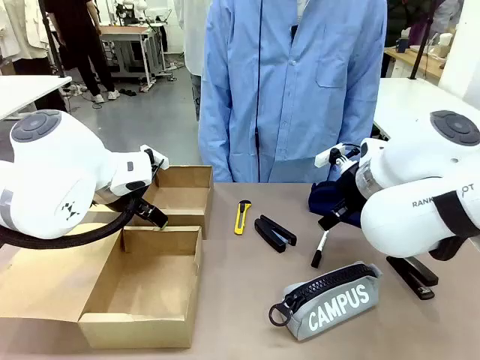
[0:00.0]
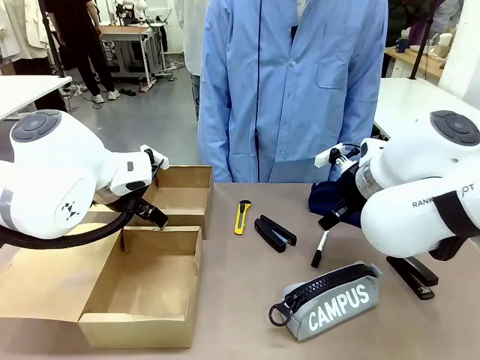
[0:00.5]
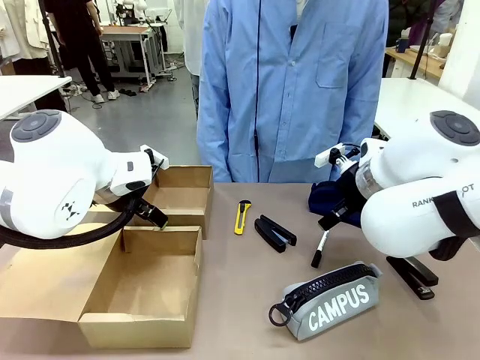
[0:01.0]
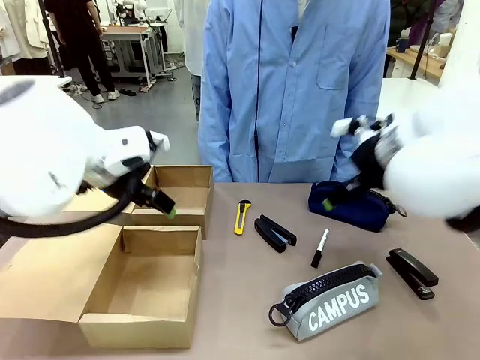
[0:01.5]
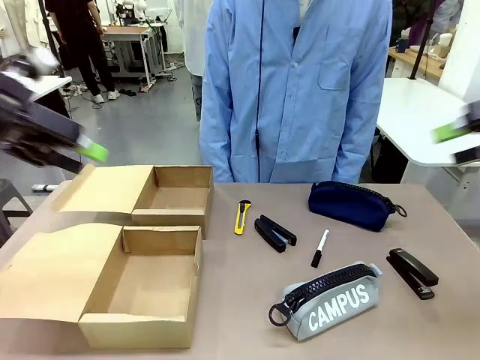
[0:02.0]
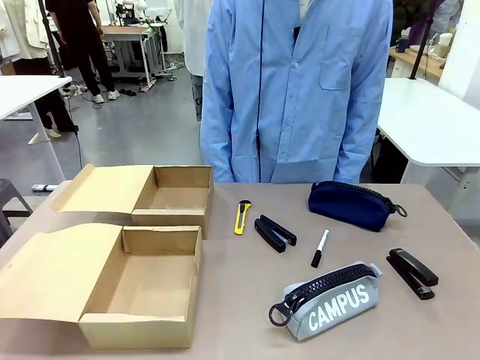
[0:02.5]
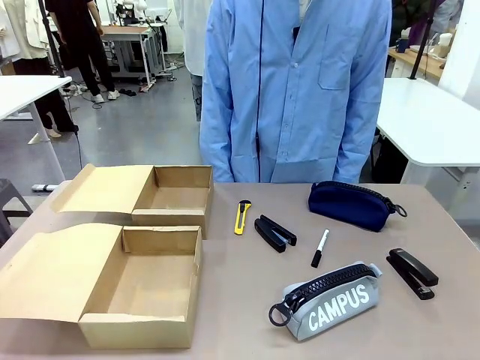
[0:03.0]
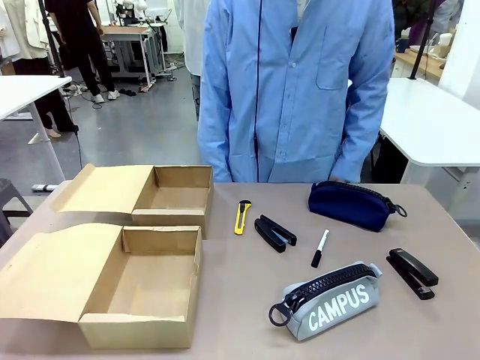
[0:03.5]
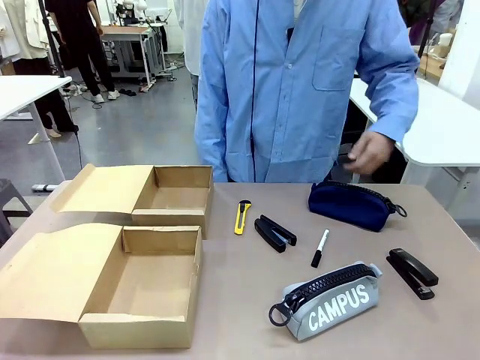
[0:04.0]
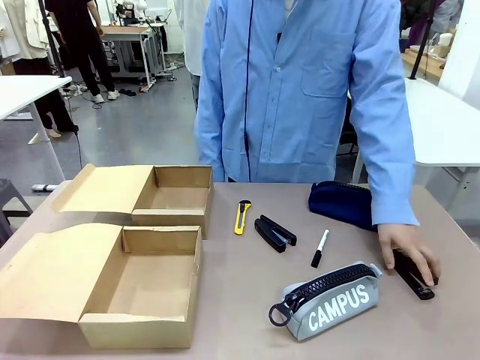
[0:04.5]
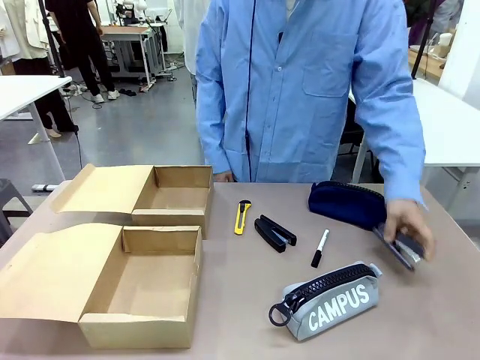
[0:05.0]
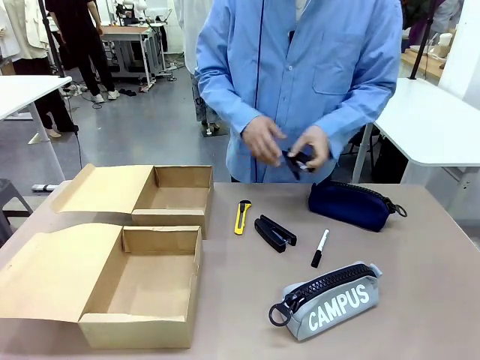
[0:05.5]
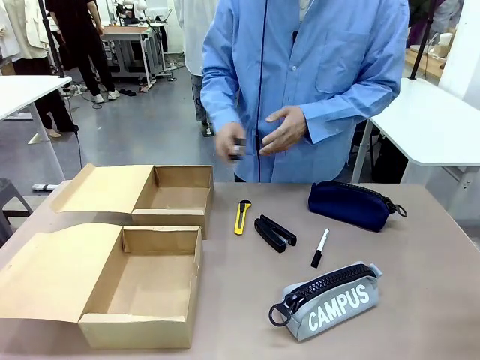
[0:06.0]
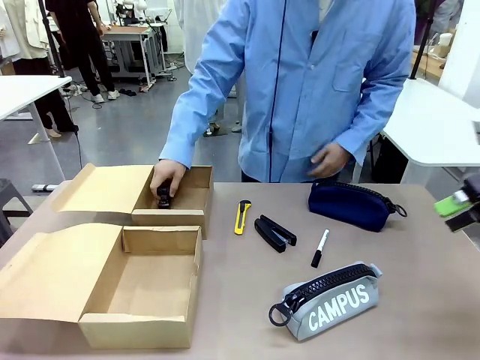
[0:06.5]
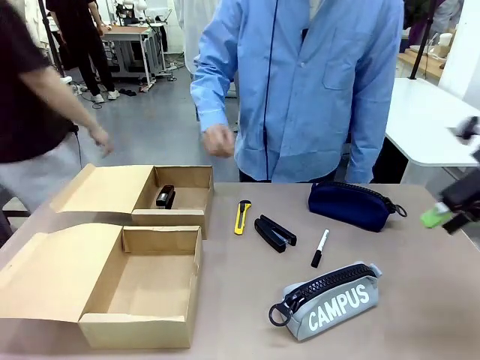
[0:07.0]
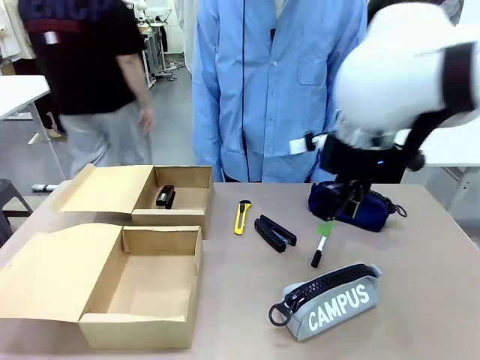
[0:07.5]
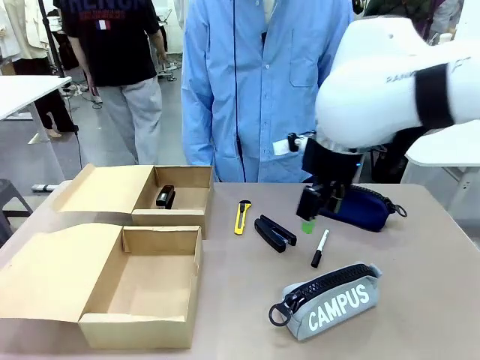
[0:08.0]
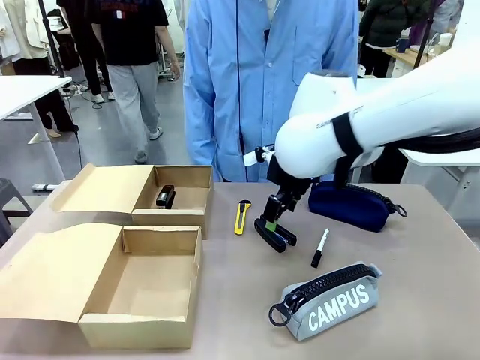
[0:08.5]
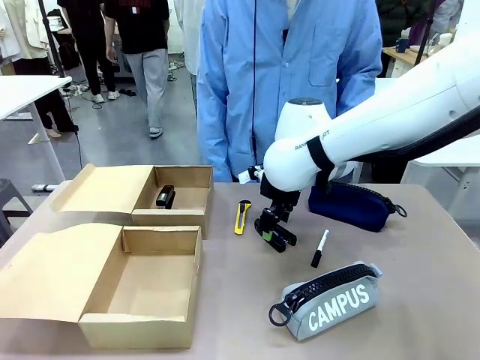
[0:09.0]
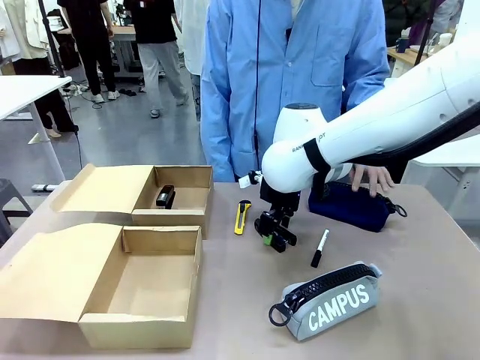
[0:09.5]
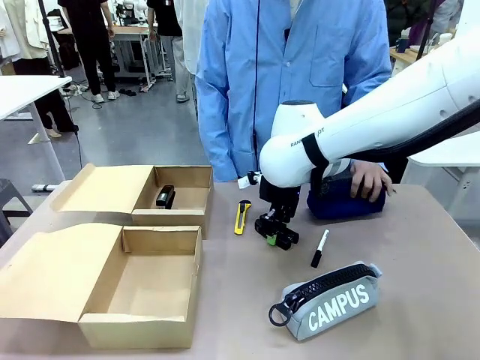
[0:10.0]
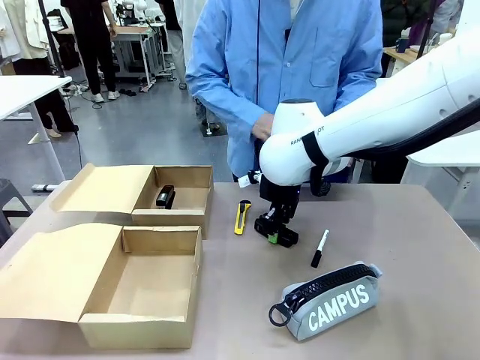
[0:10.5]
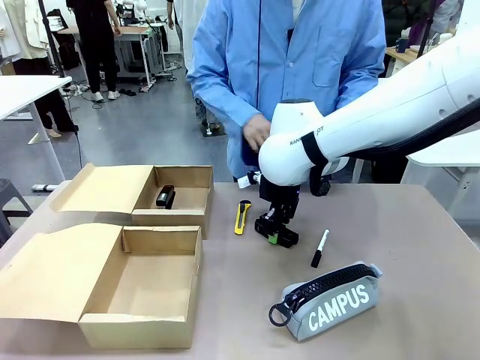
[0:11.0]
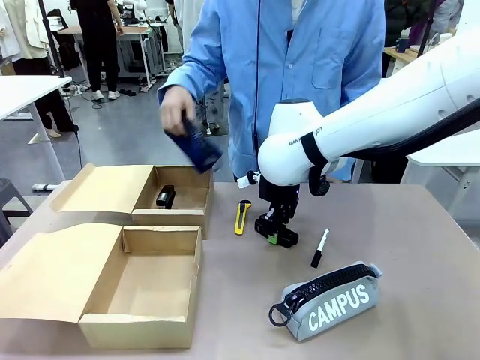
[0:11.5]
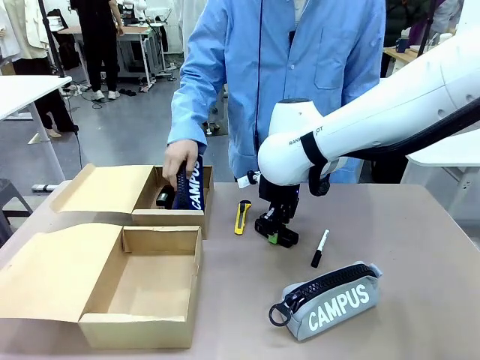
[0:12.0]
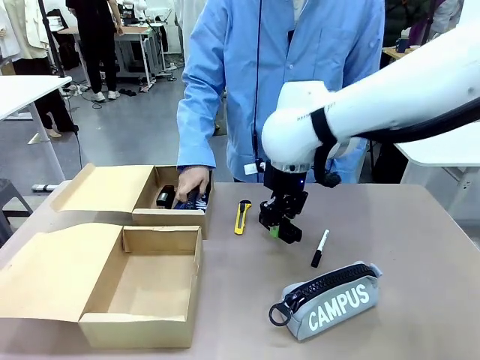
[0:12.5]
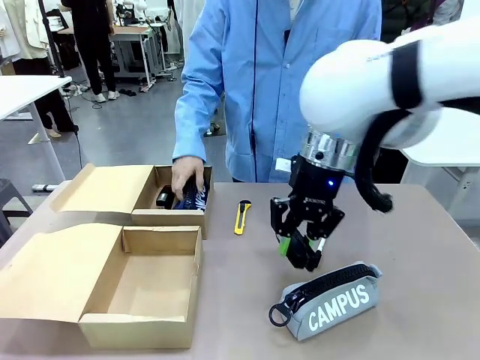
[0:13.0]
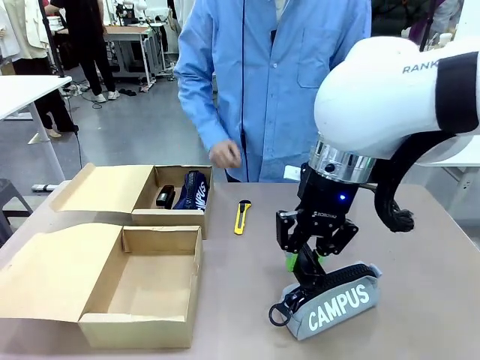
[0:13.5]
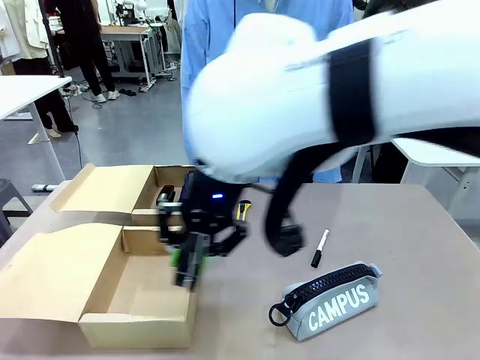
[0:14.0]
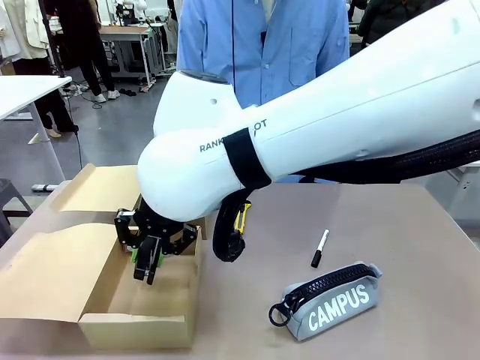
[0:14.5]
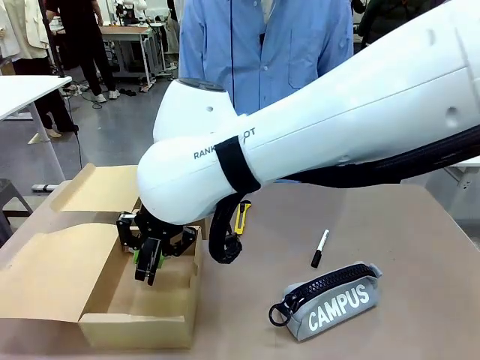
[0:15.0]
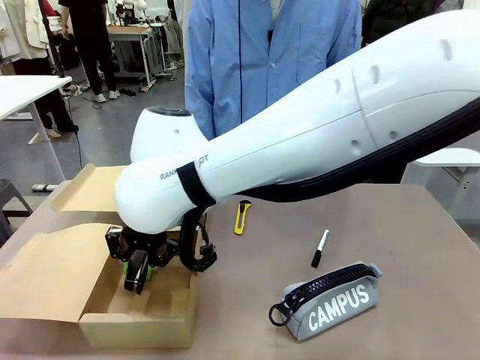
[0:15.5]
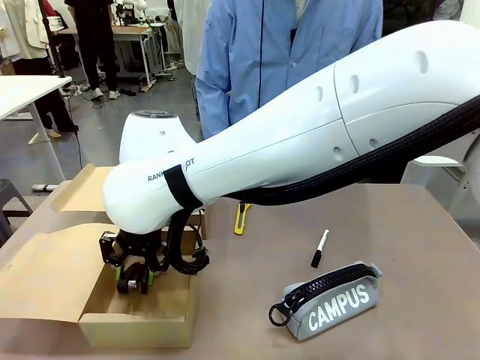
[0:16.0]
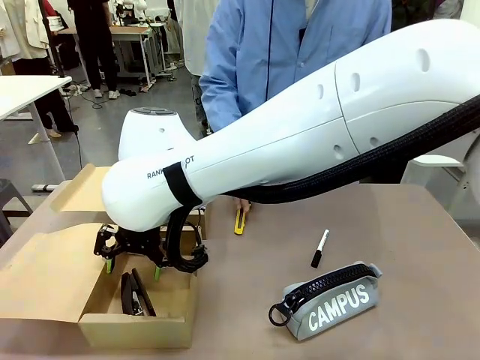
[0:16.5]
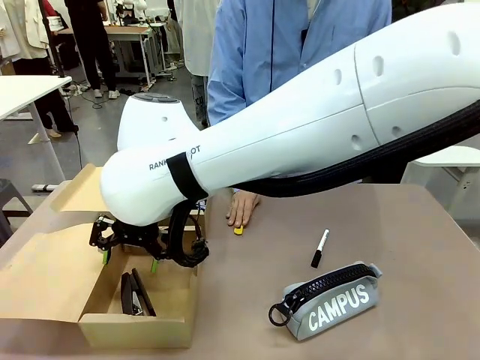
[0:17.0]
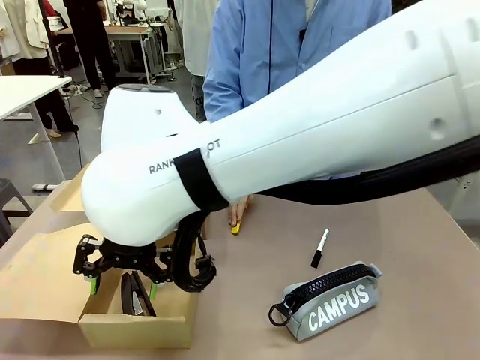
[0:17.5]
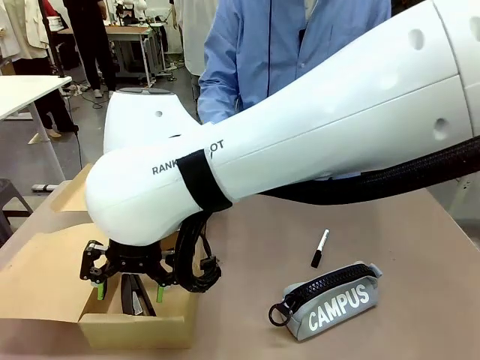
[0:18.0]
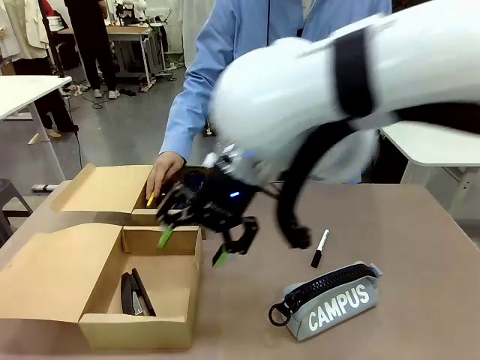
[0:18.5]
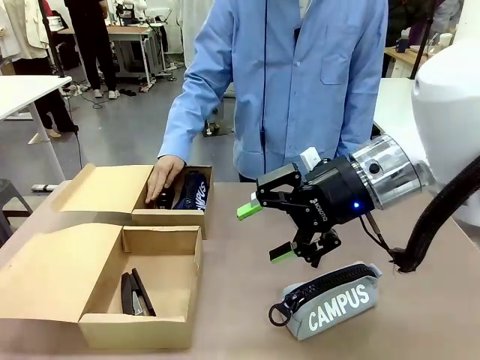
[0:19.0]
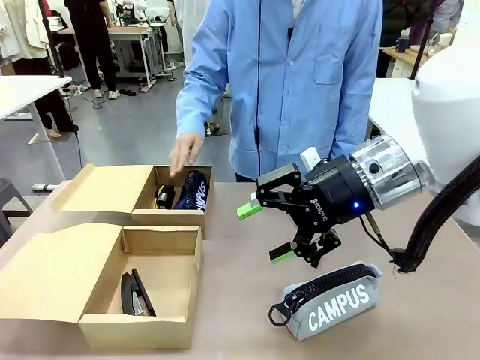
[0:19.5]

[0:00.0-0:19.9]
Task: Place items inside the box.
Robot: Pick up a Pencil pouch or Stapler and place it inside the Mailer Box closest to the robot.
Person: Pick up an object on the table and put it in the box.
